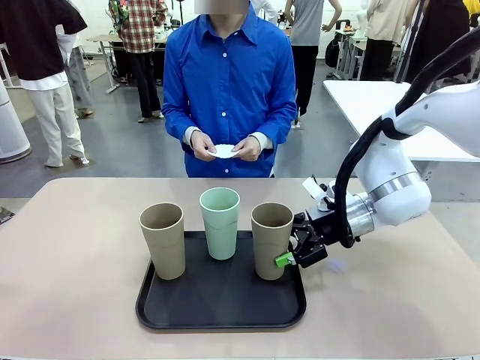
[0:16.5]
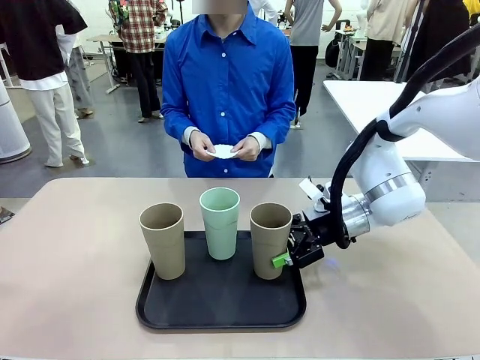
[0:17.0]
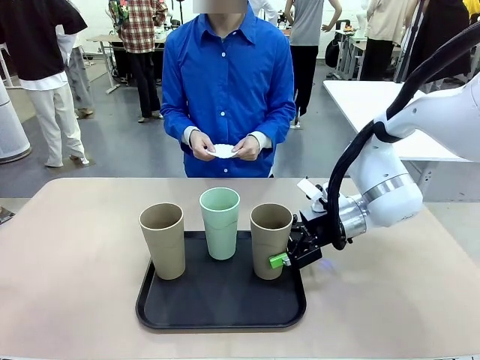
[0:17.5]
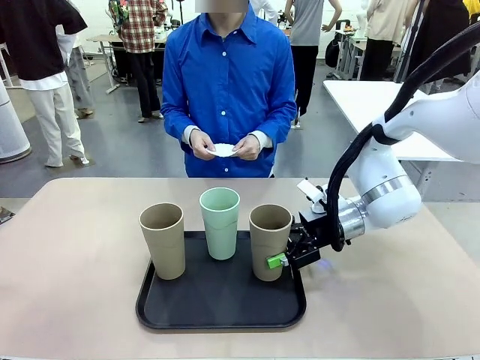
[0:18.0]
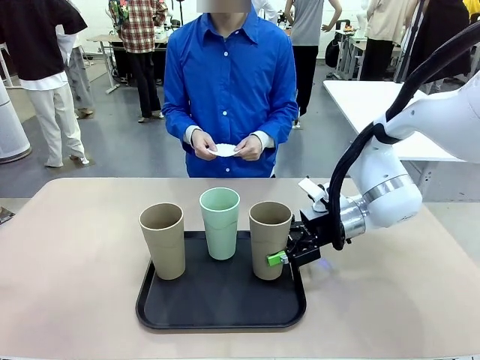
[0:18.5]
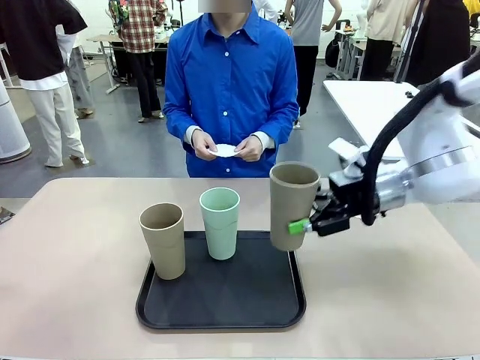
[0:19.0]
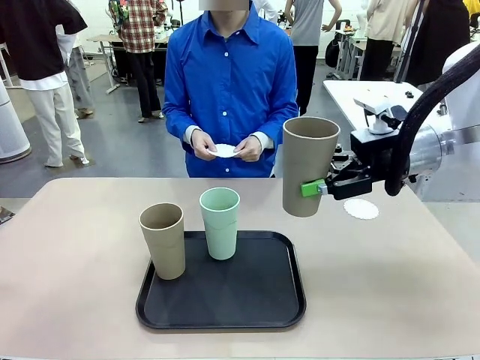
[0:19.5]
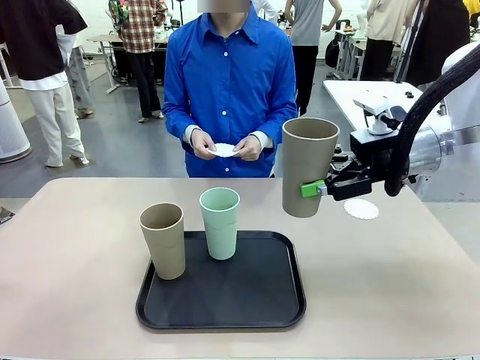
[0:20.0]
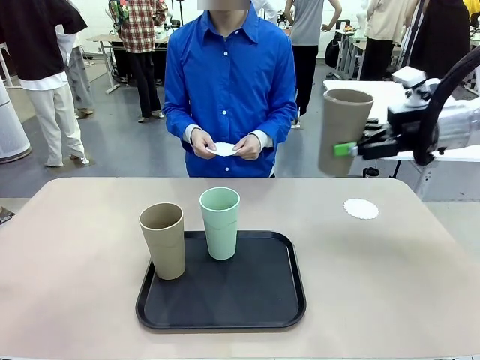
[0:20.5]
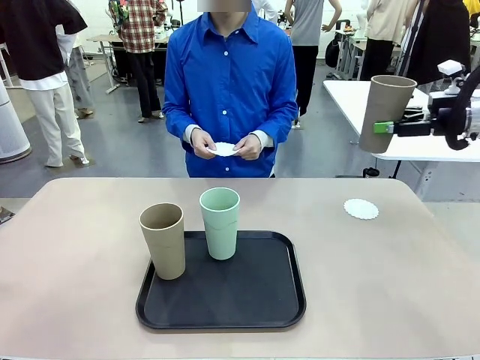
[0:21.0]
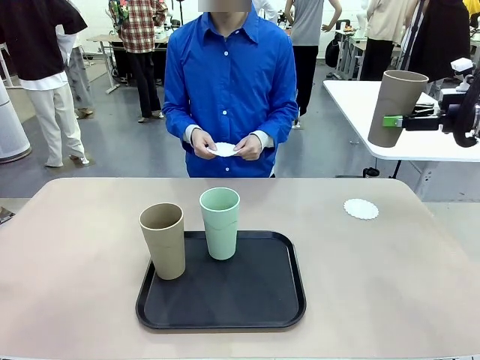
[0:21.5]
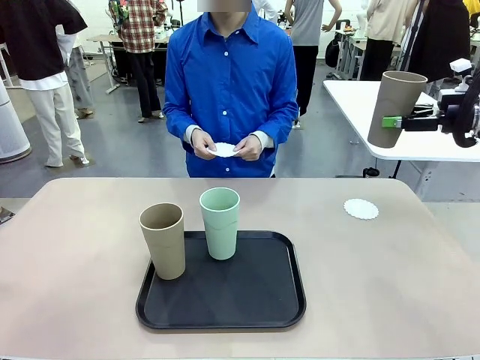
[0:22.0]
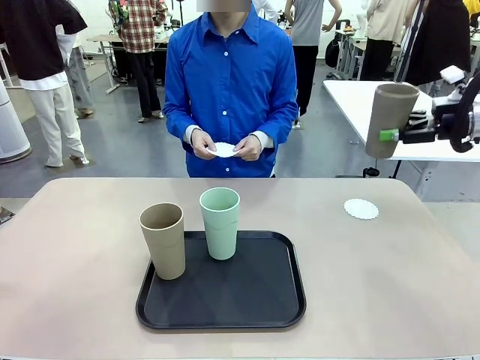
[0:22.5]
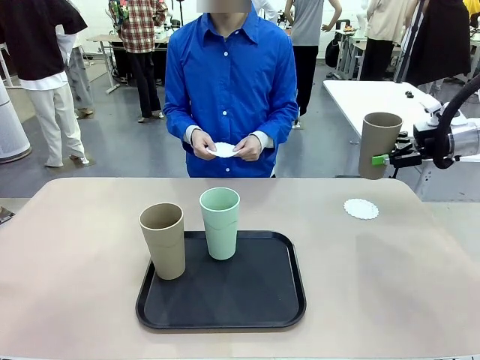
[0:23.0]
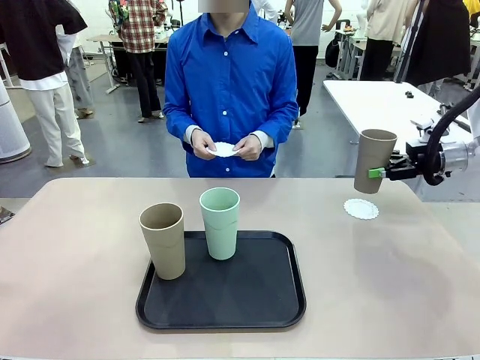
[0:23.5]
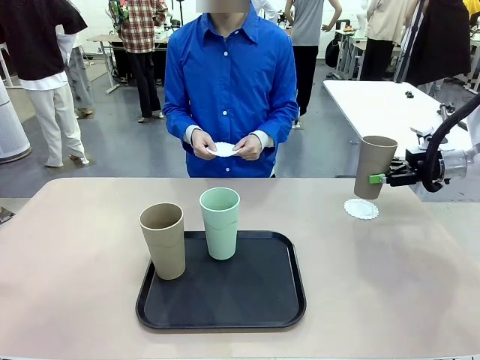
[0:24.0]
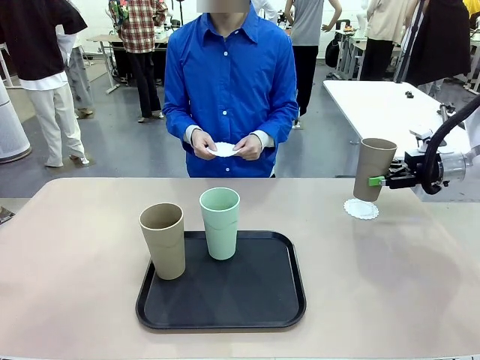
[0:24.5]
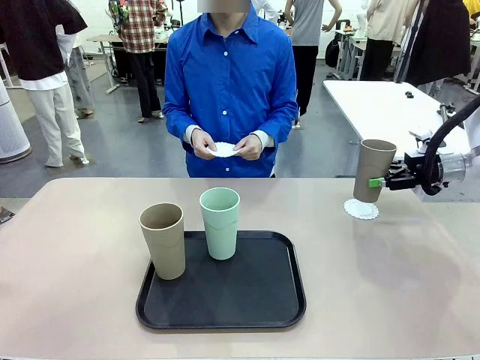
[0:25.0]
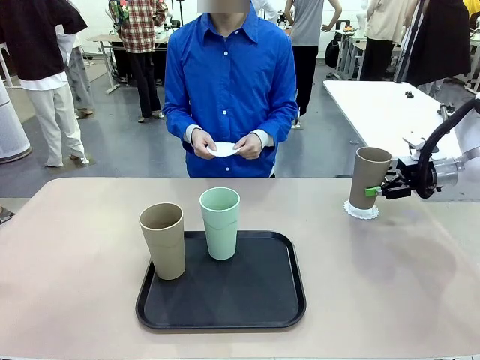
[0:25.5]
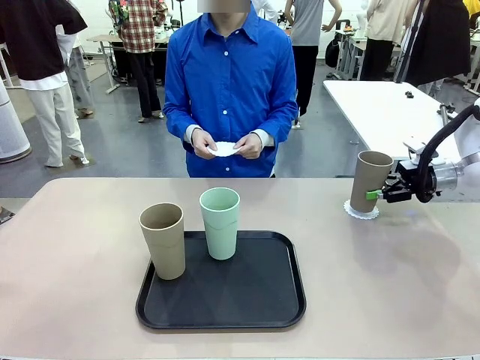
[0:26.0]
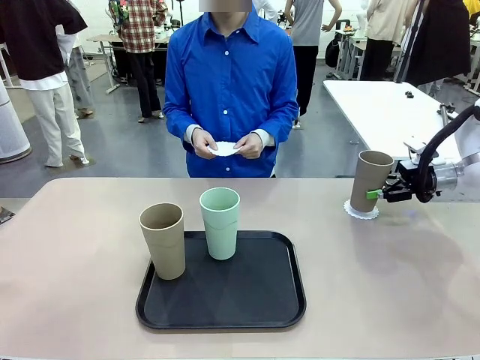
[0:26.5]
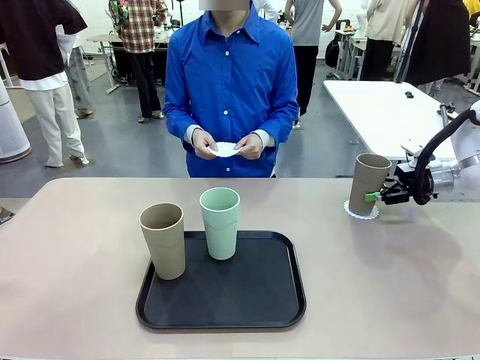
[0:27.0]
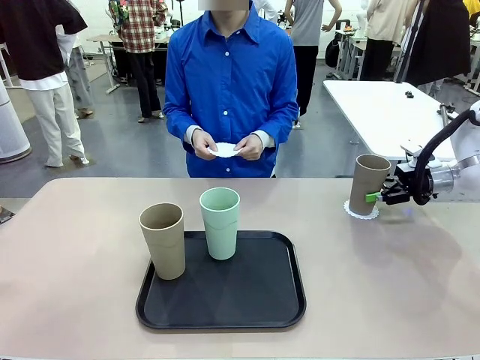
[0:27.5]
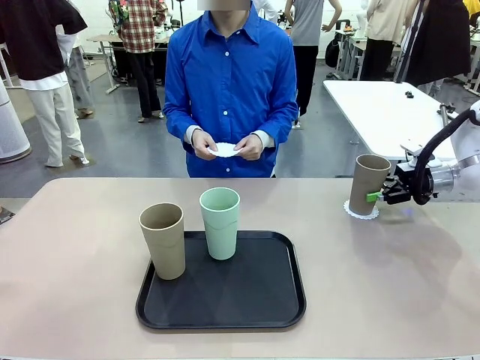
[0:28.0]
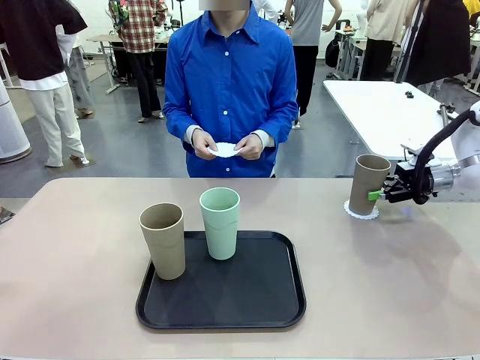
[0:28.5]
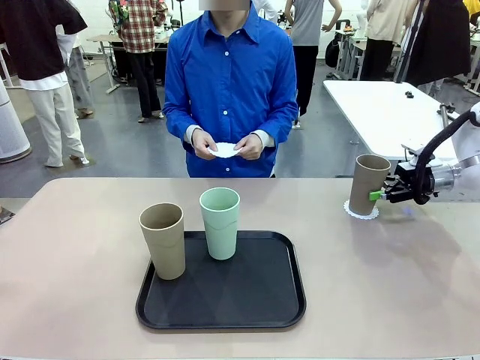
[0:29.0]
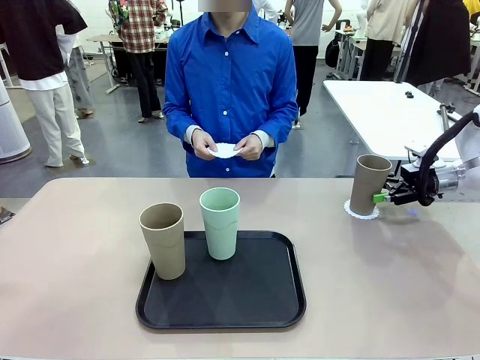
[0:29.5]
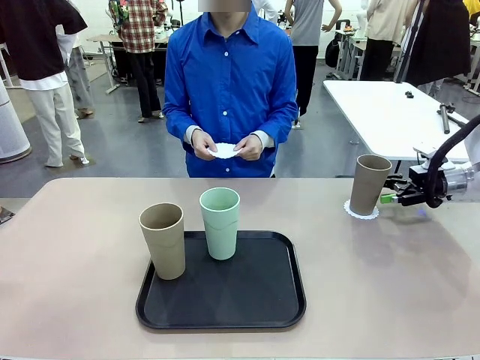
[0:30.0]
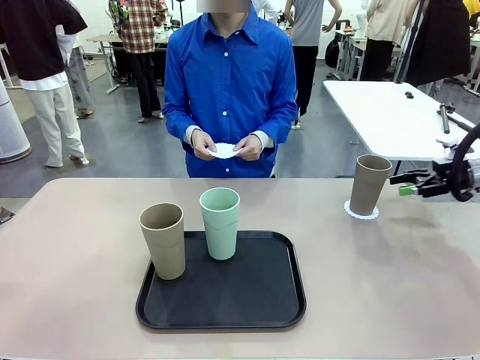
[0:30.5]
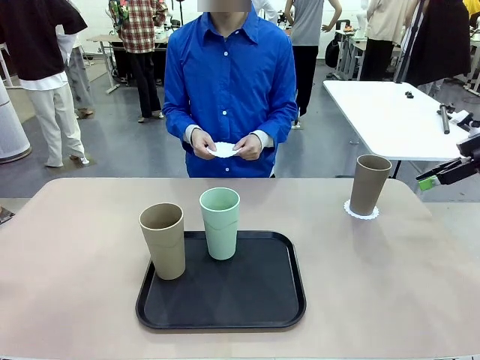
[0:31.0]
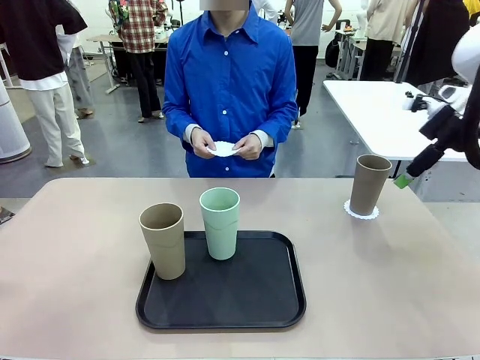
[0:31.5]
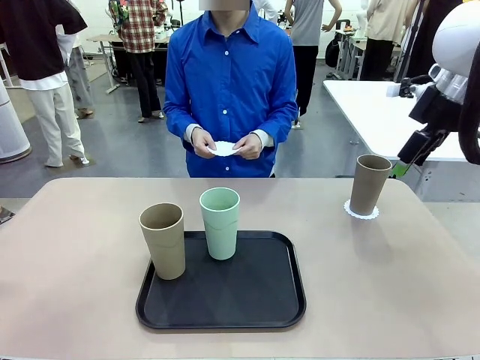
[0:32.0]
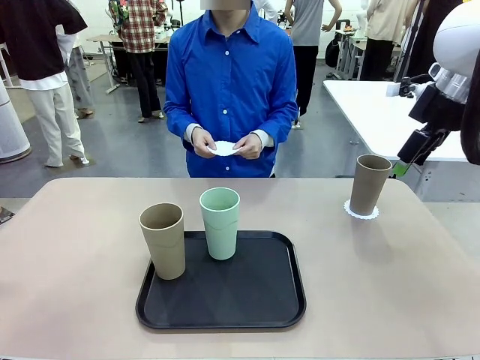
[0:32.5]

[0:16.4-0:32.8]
Task: Place coasters on the table and set cups on them.
Robot: Pick up one Reusable plastic cup and place it on a coaster set by the human.
Person: Place one coaster in one of the two areas excluding the previously selected area.
